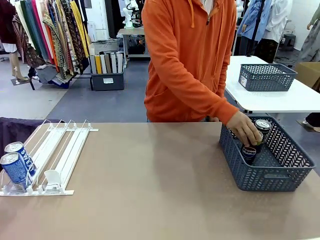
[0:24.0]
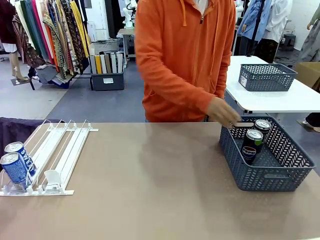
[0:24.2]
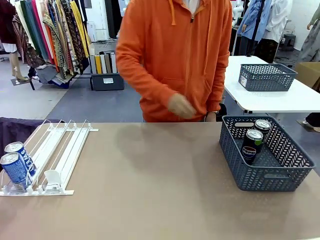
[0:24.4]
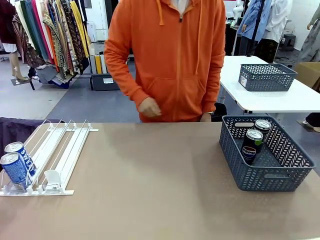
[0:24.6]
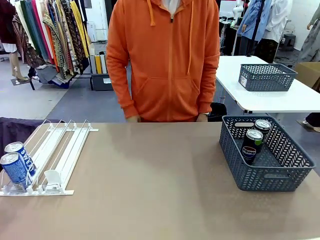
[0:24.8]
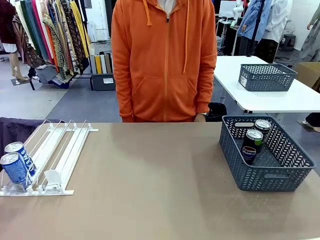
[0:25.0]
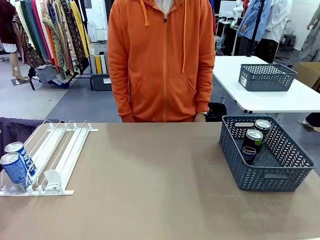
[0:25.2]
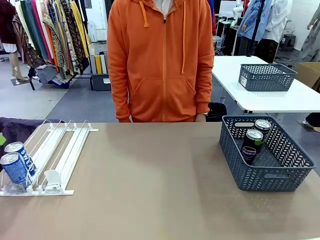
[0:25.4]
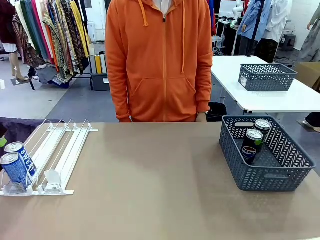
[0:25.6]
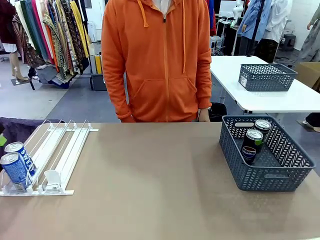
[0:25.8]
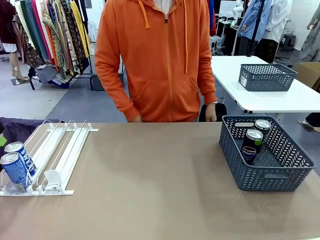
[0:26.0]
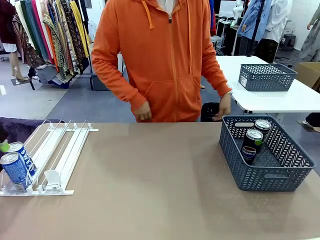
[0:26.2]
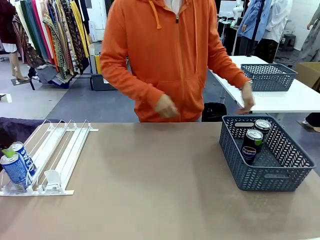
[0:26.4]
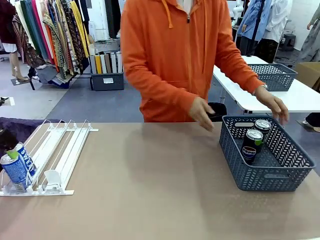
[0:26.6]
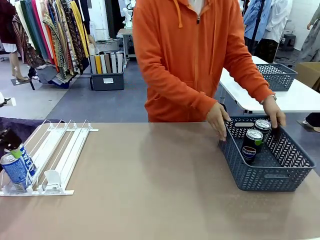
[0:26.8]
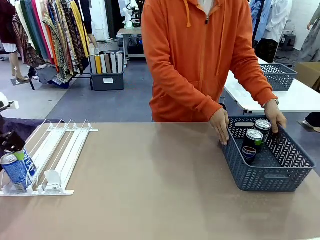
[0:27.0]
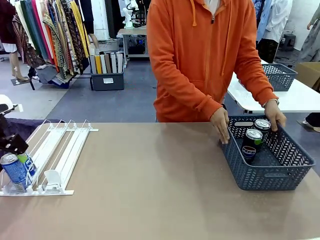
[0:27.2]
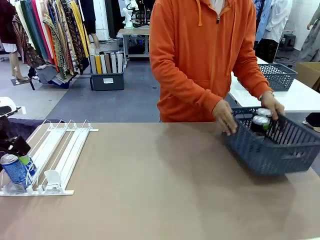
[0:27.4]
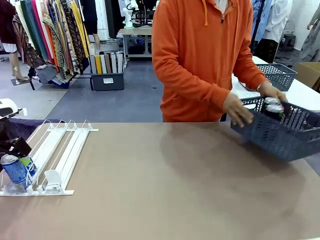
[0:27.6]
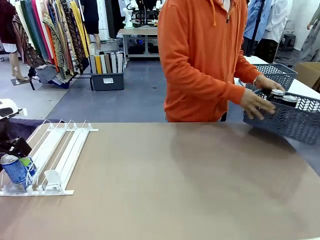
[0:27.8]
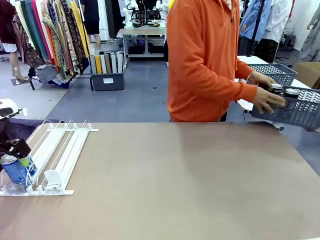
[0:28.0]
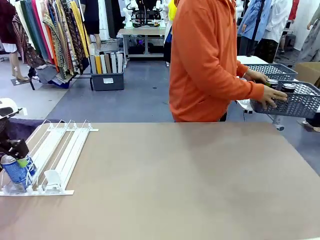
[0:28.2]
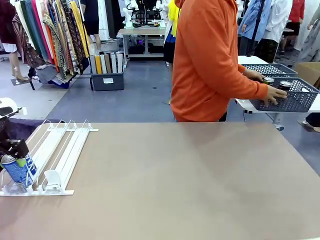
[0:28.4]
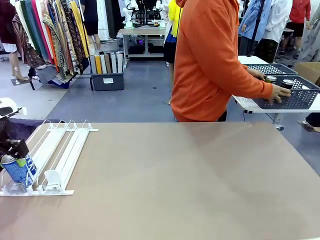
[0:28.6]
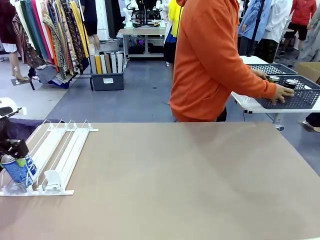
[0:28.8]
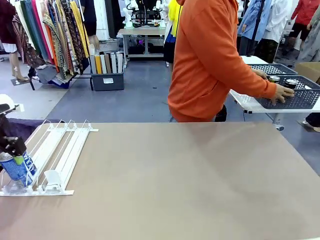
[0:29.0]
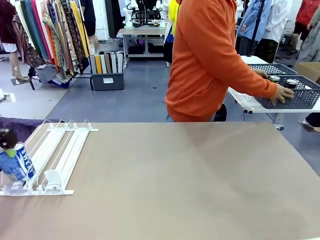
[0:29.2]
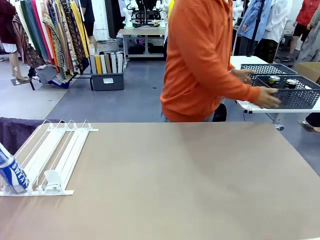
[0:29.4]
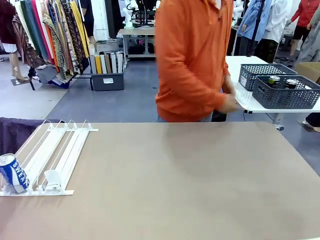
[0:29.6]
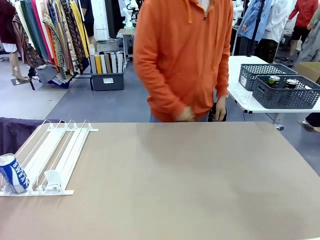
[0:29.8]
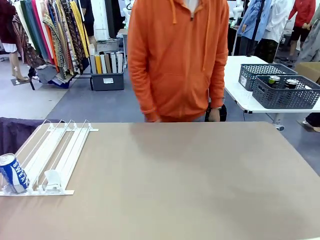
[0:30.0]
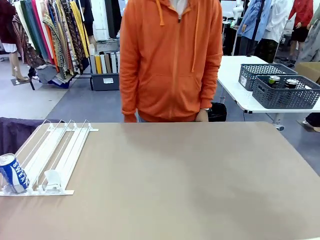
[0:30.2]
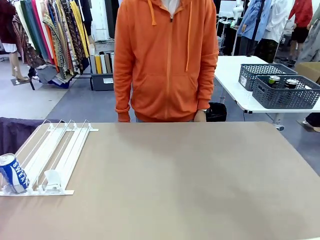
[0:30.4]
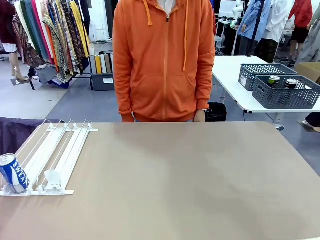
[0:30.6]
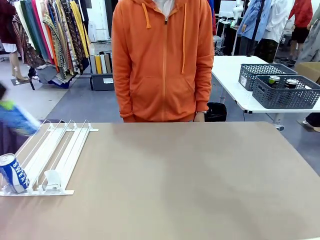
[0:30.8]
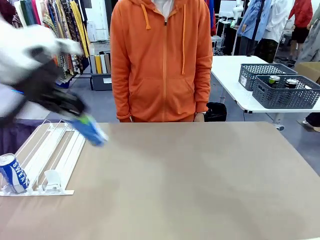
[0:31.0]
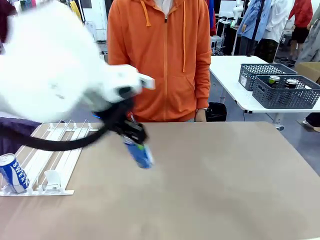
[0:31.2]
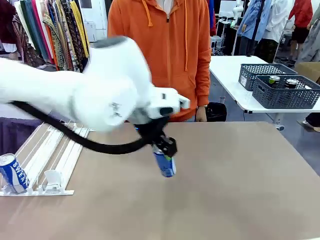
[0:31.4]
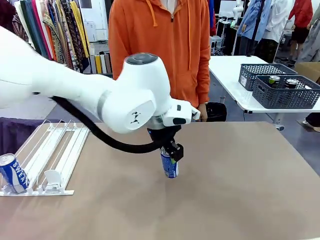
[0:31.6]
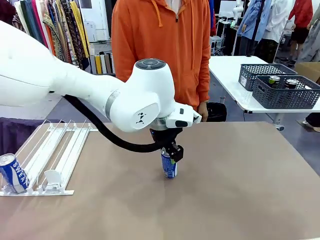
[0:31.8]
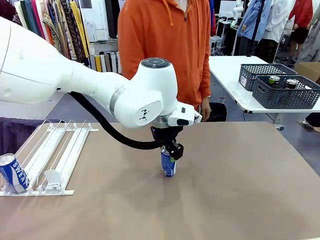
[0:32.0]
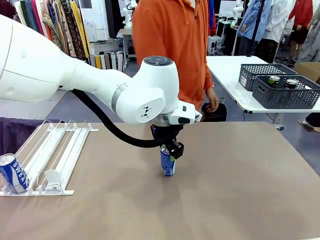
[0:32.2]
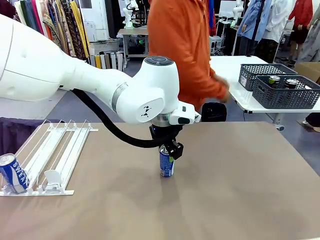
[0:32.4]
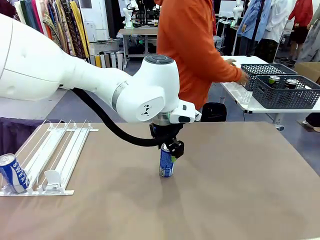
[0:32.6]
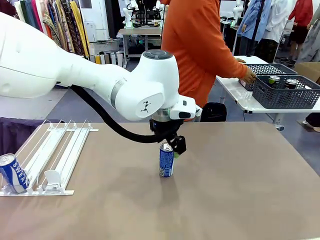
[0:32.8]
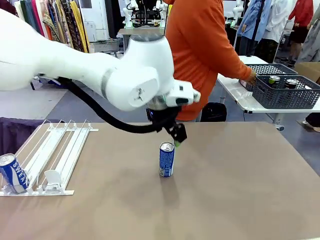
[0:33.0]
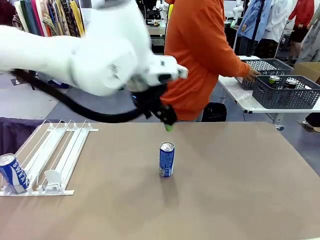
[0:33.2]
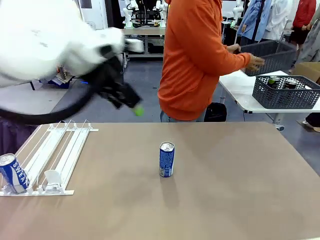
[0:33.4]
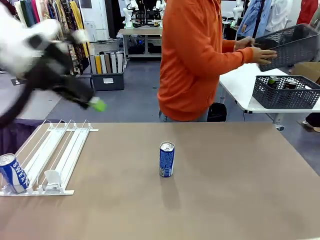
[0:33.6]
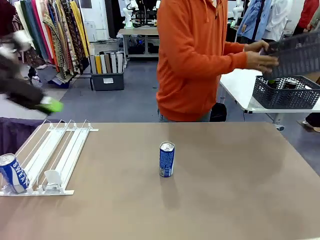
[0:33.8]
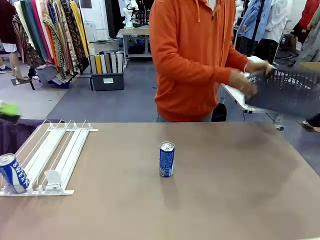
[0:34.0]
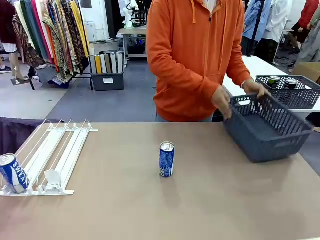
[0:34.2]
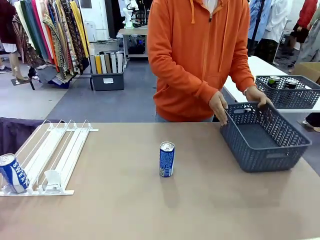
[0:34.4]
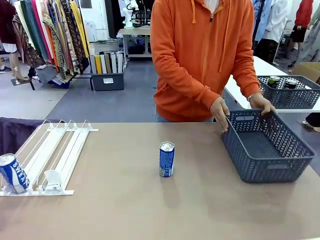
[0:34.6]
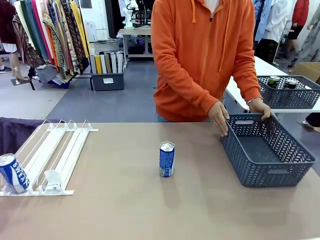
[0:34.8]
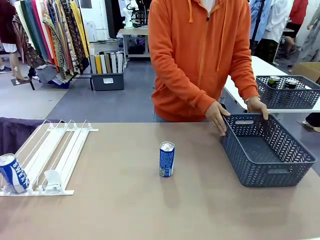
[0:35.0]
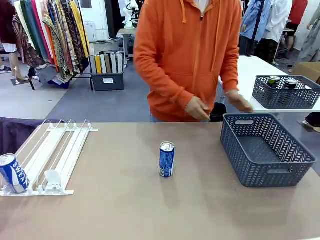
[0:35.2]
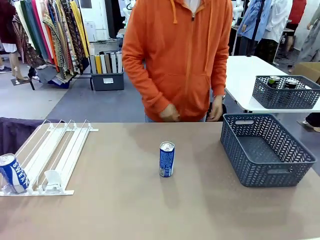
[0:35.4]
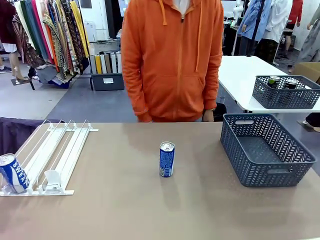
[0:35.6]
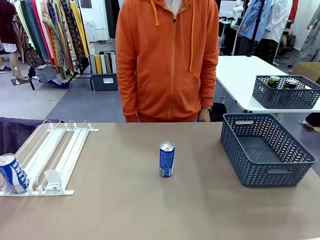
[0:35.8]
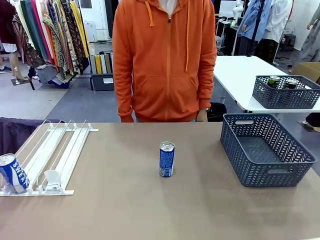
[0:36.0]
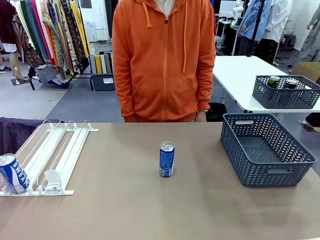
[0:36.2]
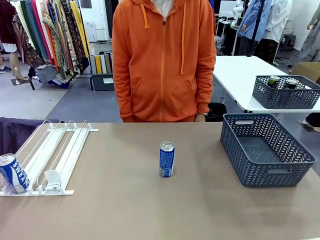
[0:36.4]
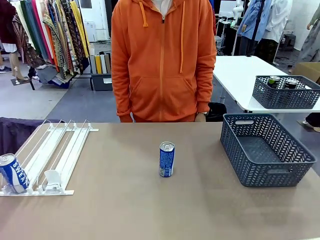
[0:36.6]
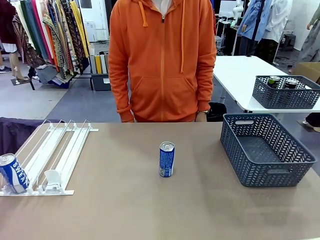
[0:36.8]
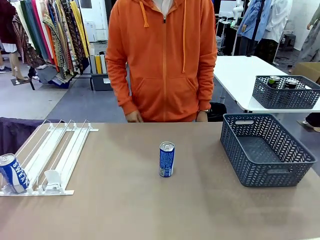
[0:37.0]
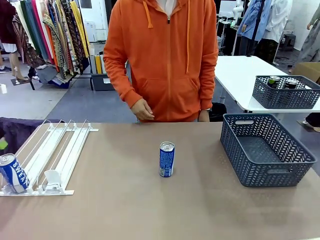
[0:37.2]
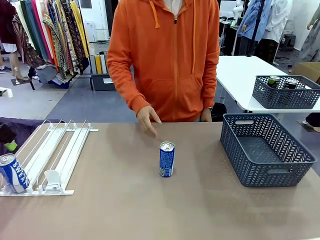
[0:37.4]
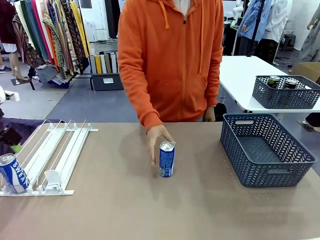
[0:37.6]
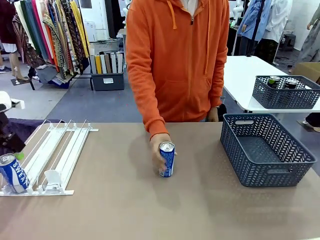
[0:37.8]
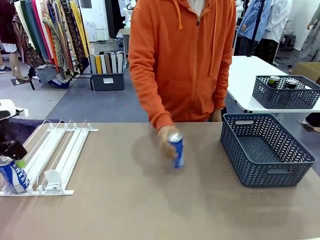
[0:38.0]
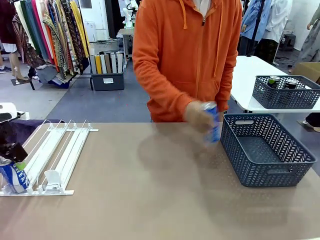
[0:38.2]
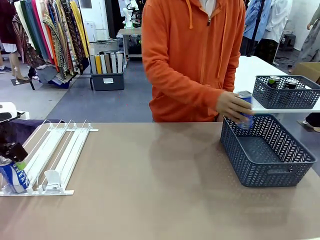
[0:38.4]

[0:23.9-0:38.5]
Task: Retrieve and store the cans from the dispenser.
Robot: Pick up one can from the Automatic Can Dispenser and place it in the middle of the table.
Person: Pick up the basket and place it in the middle of the human table. Pick up the empty basket and place it on the left side of the robot table.
